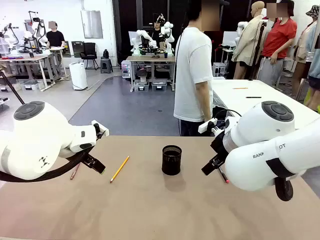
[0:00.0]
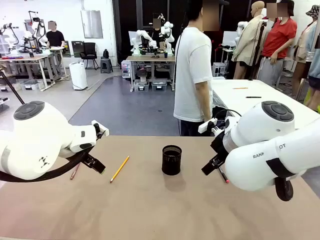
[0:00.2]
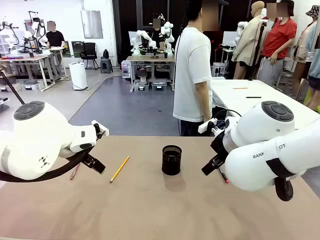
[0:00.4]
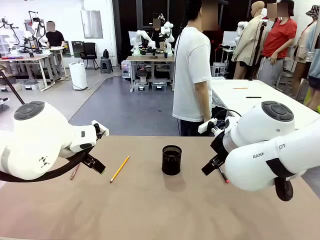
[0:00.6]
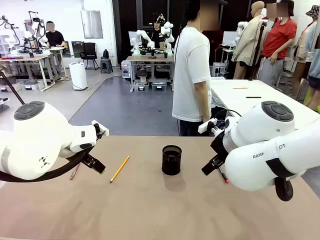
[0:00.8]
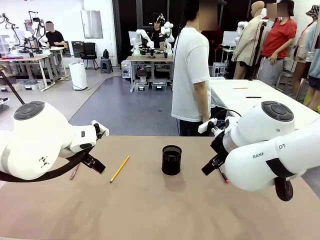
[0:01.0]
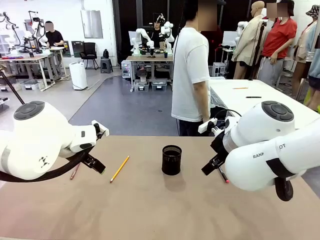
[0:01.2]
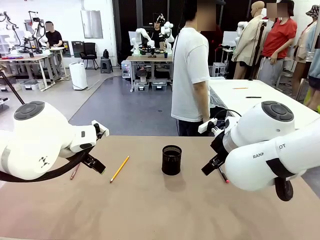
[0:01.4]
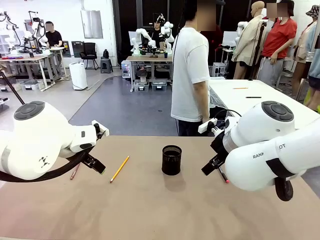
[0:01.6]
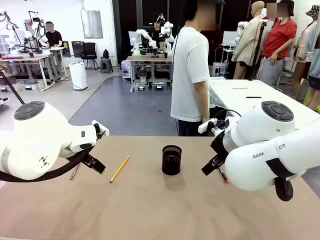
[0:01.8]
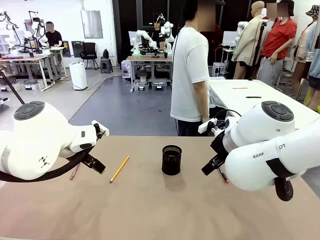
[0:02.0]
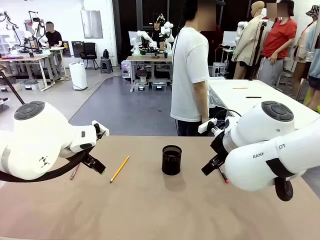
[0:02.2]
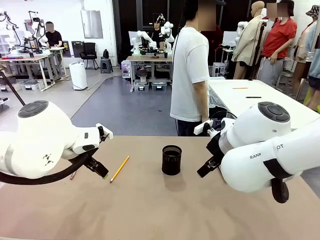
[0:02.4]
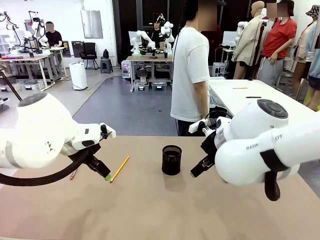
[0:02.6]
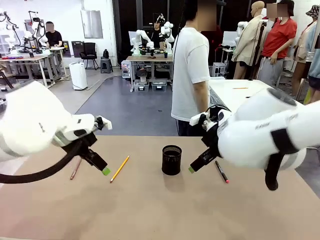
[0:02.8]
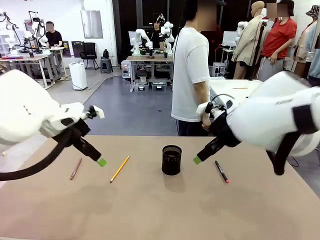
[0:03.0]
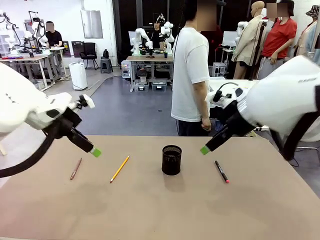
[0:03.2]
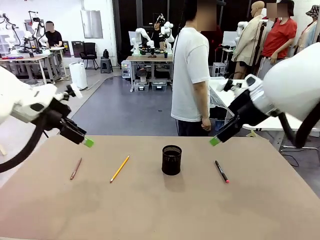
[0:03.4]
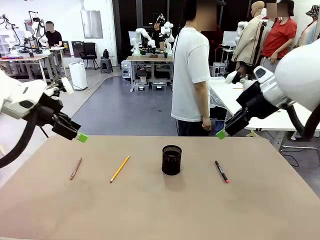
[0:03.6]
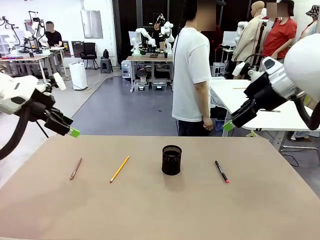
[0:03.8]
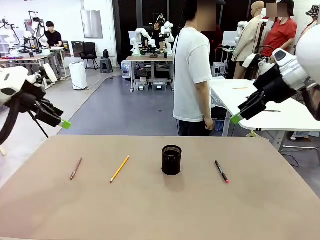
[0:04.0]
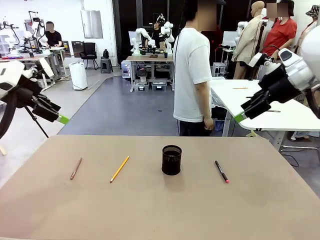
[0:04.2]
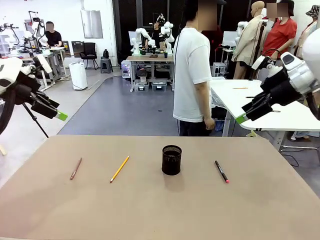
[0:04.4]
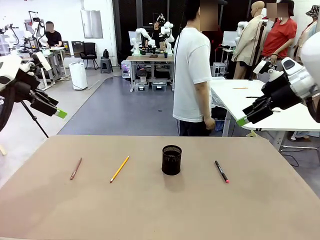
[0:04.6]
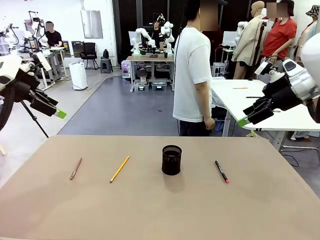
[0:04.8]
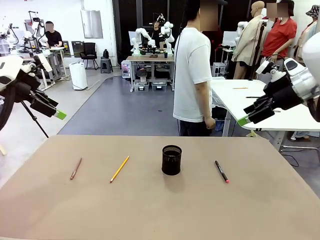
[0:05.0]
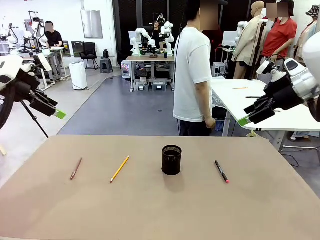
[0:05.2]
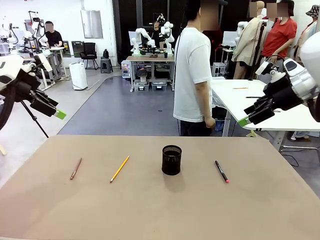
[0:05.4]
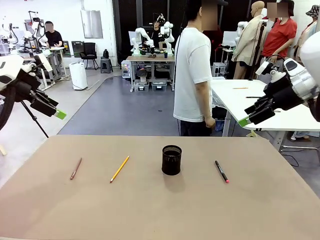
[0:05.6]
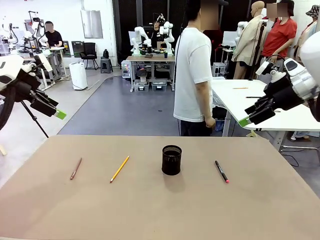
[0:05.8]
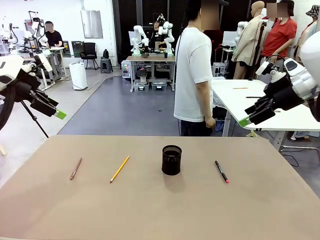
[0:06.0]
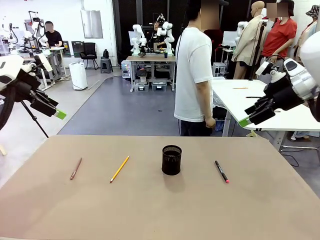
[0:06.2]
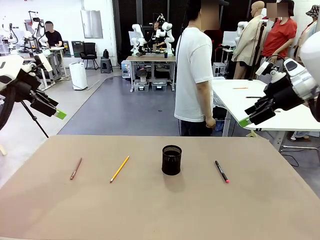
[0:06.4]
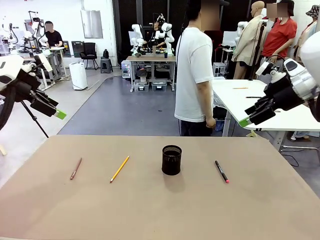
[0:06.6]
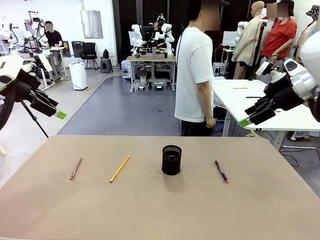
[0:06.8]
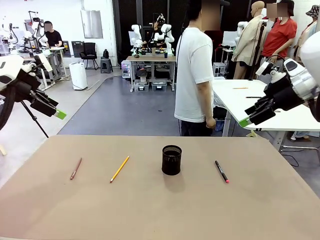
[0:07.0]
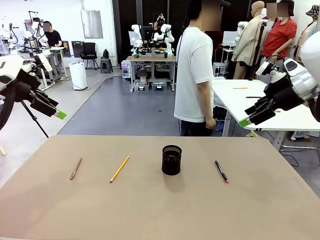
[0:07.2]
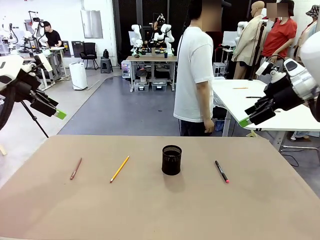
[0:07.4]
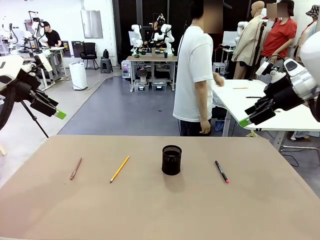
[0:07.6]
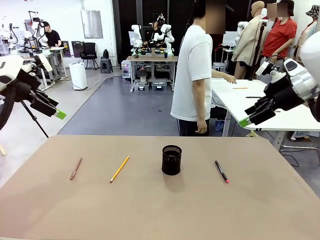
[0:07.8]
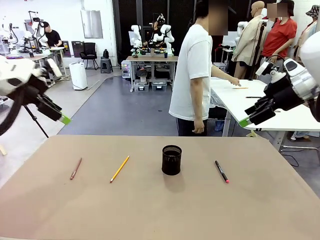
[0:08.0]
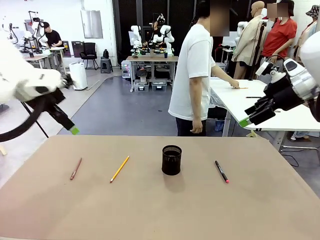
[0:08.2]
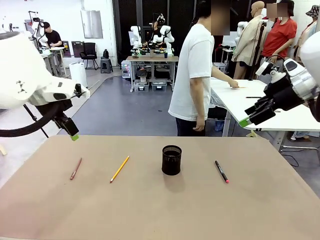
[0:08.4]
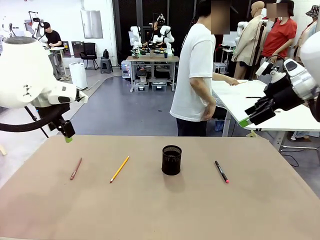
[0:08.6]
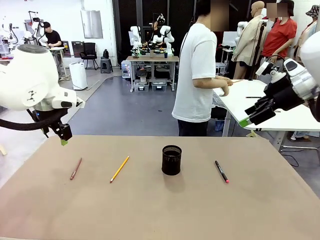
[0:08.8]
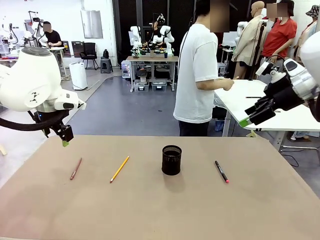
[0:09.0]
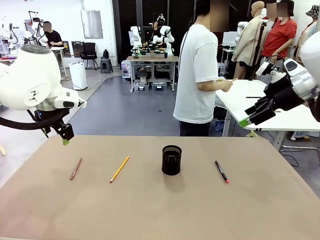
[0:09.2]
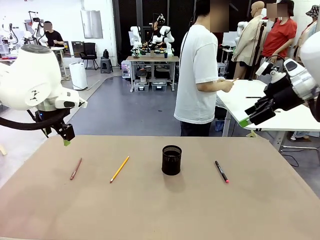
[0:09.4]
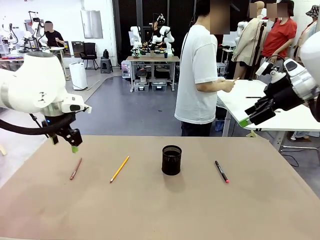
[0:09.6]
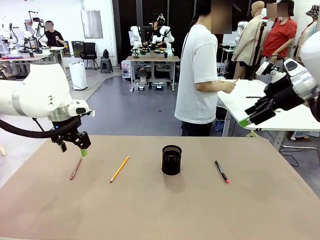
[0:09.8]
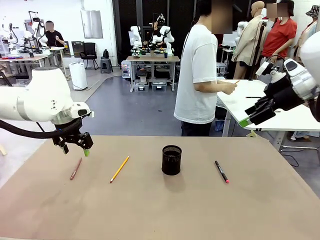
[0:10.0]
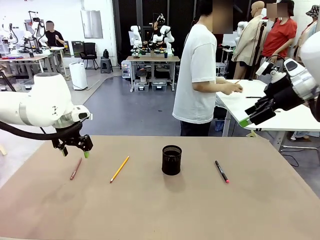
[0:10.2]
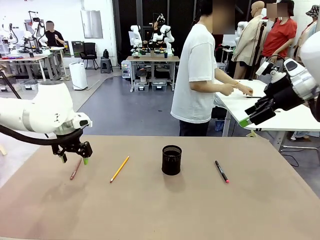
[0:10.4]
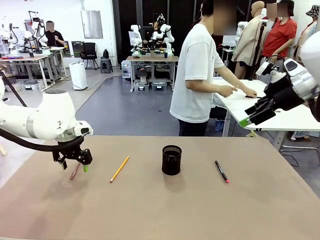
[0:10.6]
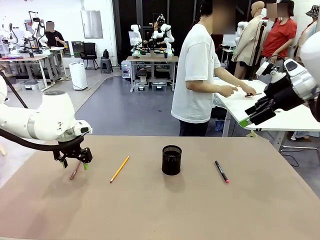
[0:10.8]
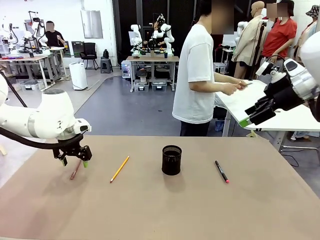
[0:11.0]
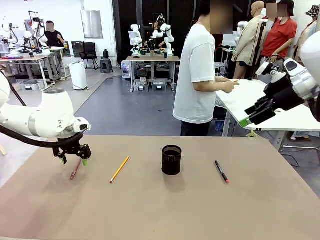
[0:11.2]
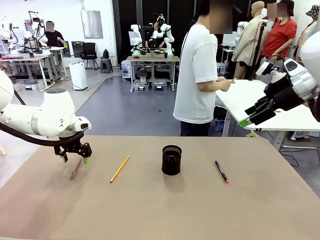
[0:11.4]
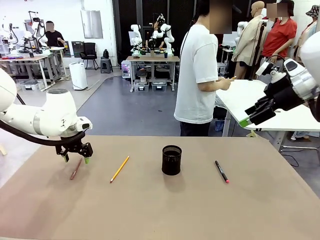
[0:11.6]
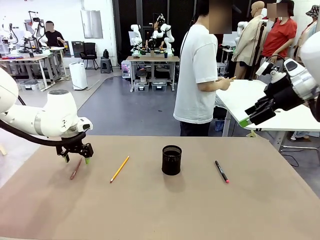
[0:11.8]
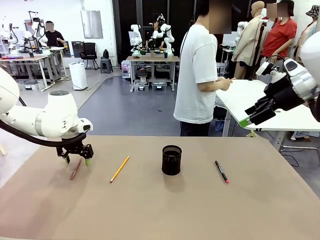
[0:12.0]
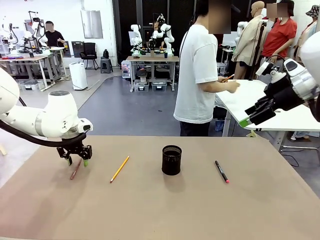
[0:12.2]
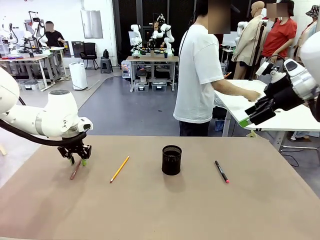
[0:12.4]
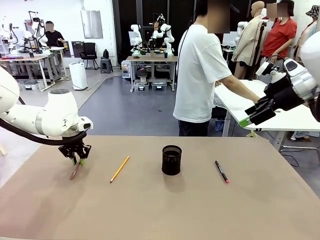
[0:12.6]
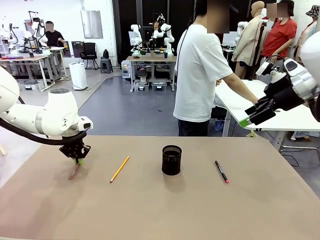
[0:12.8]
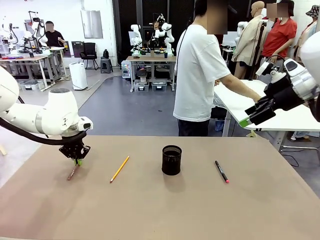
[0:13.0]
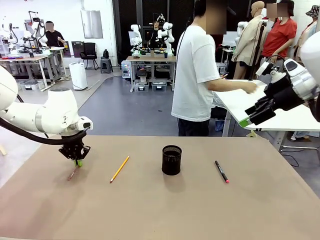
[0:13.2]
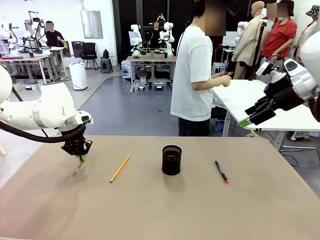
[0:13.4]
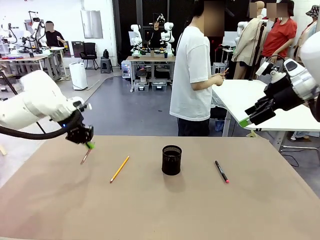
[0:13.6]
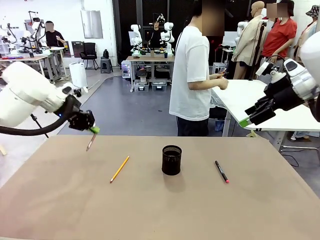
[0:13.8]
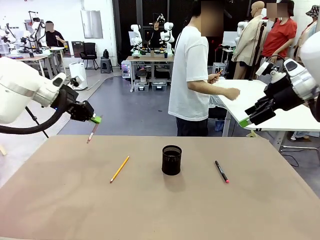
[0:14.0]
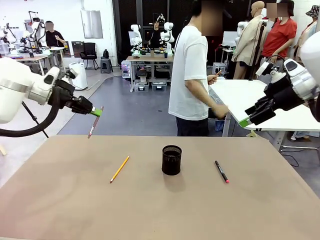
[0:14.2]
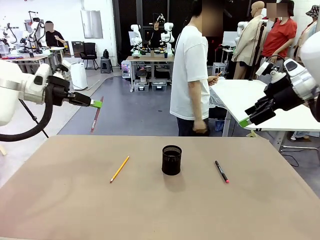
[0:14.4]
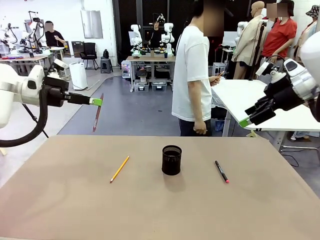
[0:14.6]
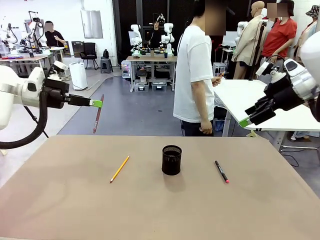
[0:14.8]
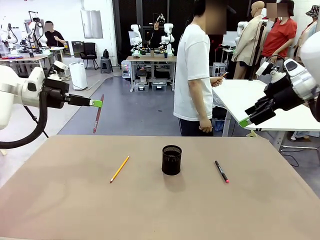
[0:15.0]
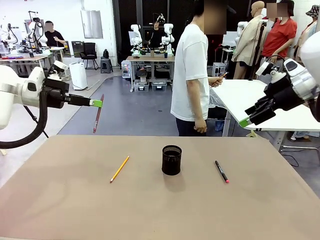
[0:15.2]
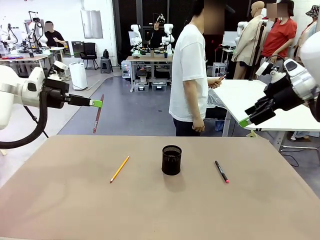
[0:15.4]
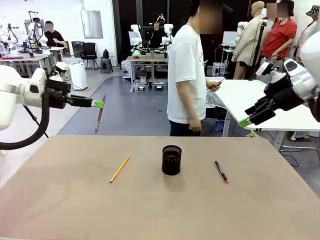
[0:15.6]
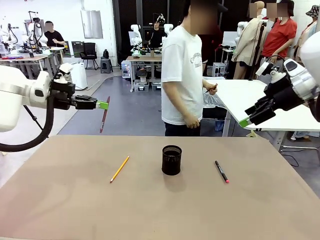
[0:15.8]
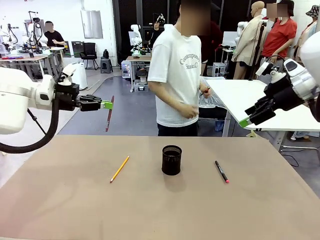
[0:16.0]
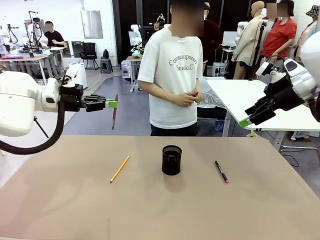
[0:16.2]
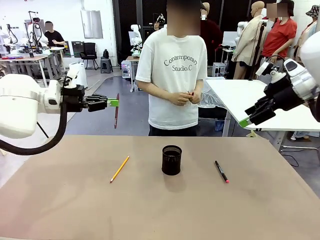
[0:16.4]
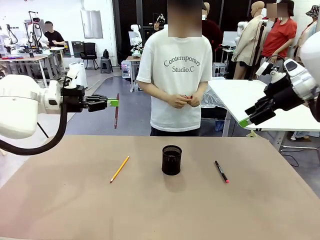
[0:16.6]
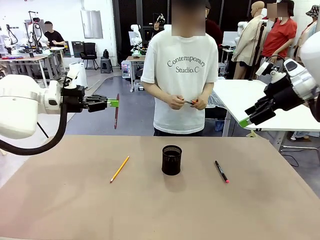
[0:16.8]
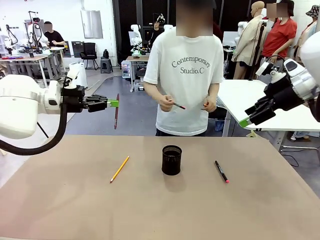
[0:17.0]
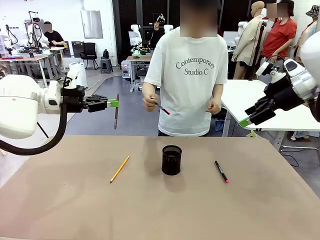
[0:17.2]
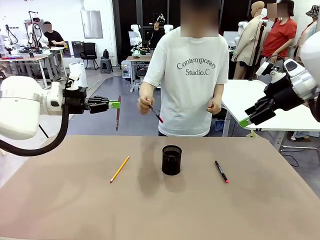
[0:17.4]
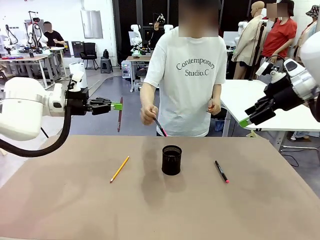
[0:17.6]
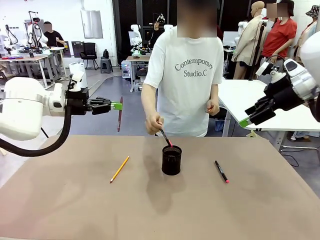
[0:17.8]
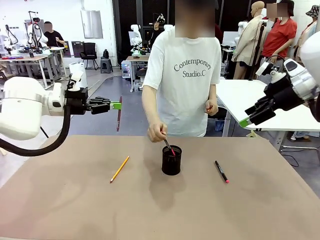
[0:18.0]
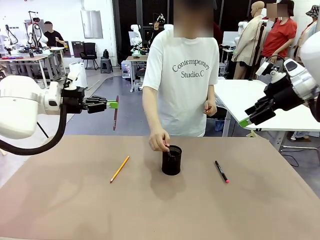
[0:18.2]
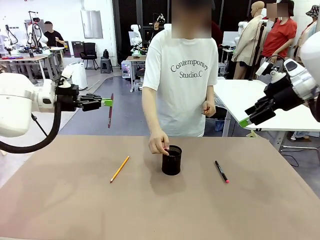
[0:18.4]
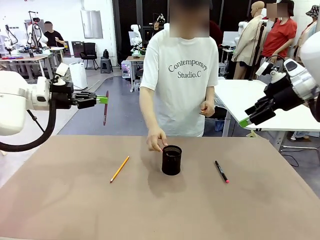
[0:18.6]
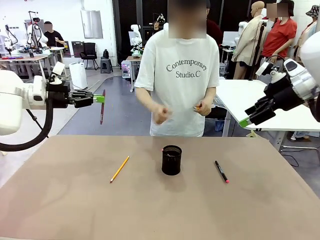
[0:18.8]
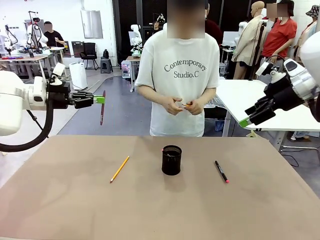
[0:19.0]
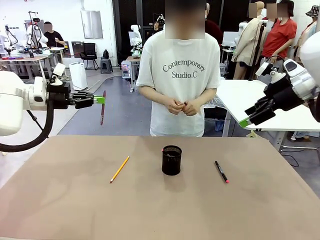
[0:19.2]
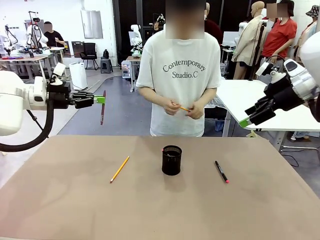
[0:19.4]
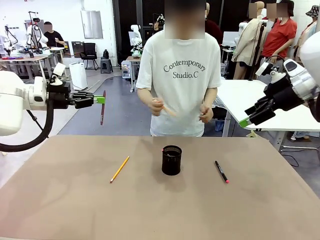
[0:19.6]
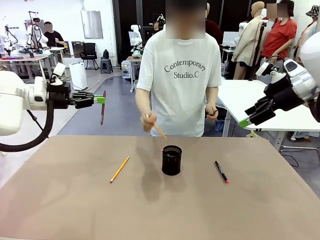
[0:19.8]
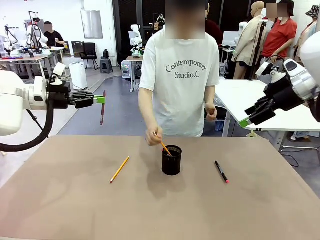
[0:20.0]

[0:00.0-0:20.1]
Task: Place the pens into the pen holder.
Robot: Pick up a writing instrument from the table and place it into the Pen holder.
Person: Pick up all writing instruments from the Human table.
